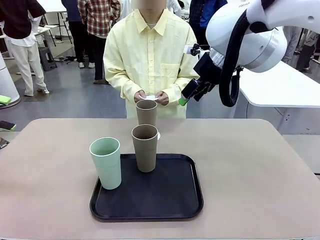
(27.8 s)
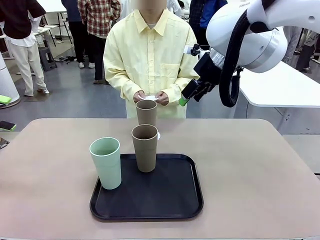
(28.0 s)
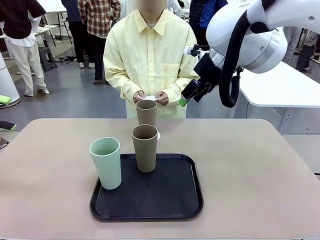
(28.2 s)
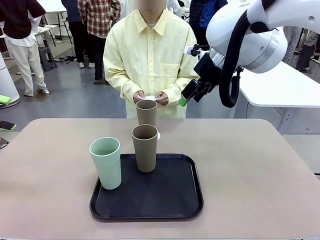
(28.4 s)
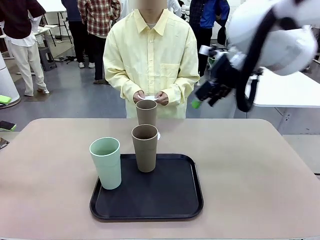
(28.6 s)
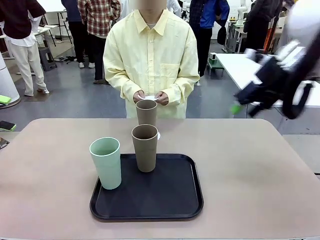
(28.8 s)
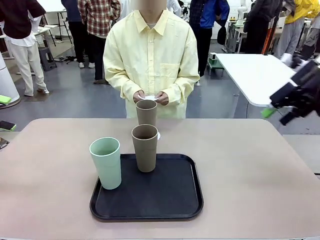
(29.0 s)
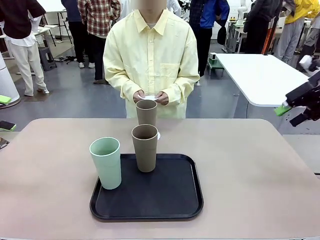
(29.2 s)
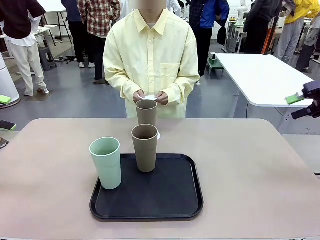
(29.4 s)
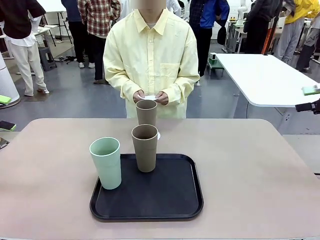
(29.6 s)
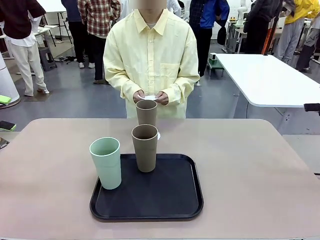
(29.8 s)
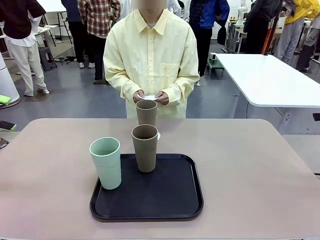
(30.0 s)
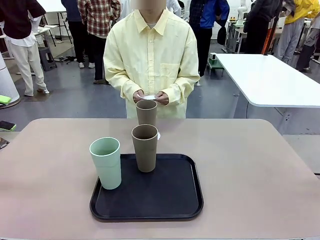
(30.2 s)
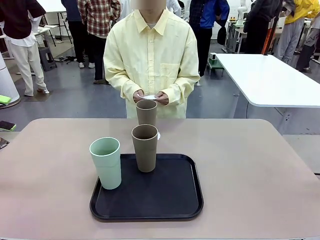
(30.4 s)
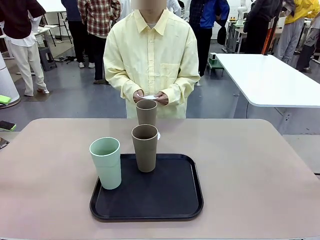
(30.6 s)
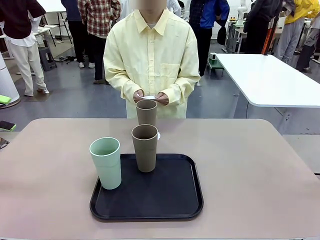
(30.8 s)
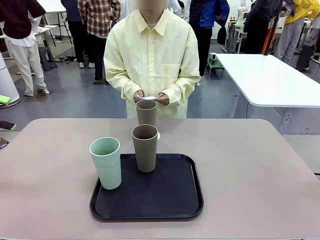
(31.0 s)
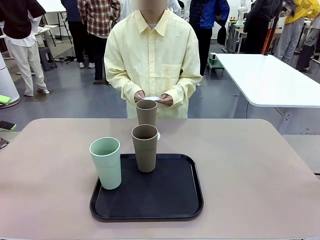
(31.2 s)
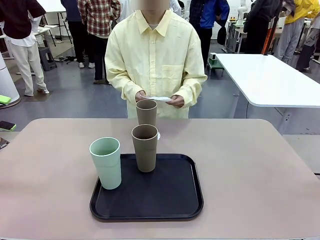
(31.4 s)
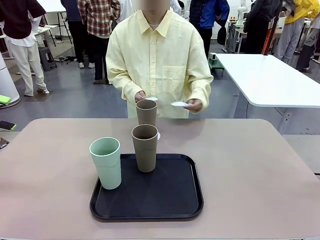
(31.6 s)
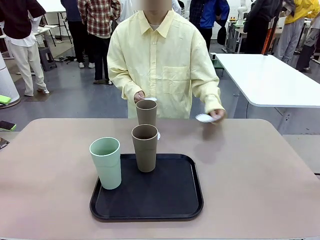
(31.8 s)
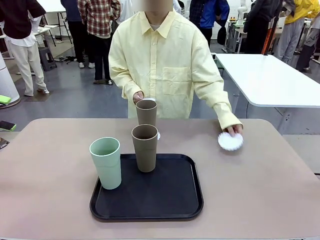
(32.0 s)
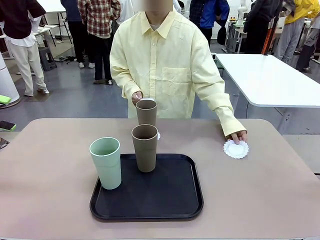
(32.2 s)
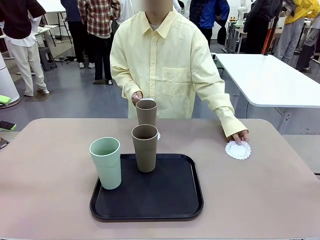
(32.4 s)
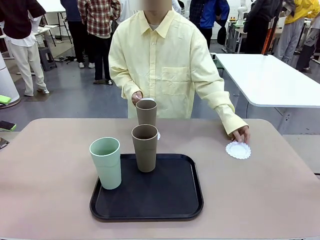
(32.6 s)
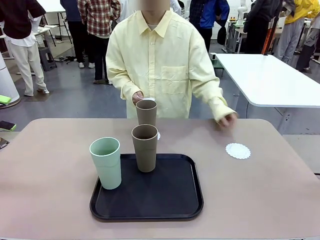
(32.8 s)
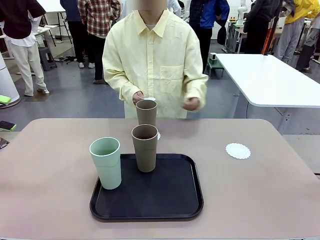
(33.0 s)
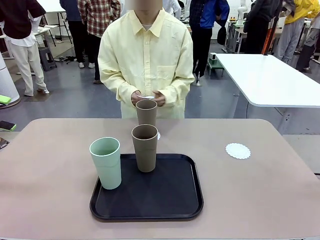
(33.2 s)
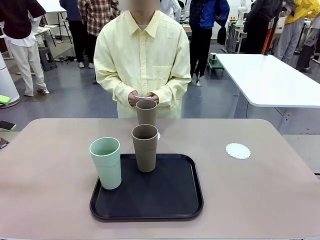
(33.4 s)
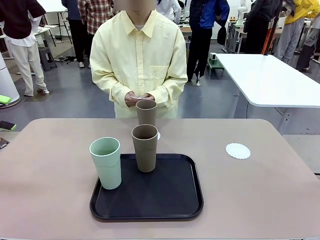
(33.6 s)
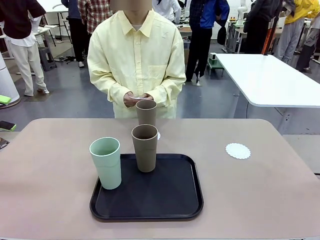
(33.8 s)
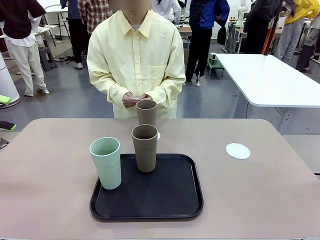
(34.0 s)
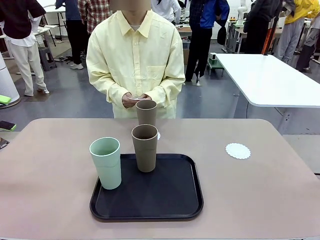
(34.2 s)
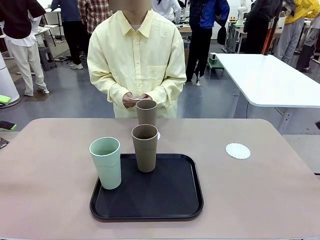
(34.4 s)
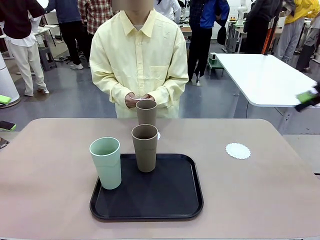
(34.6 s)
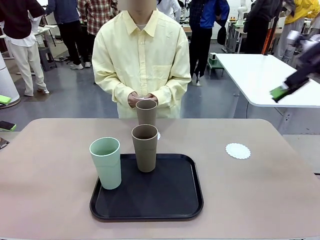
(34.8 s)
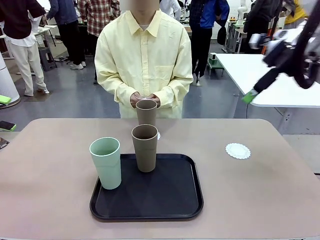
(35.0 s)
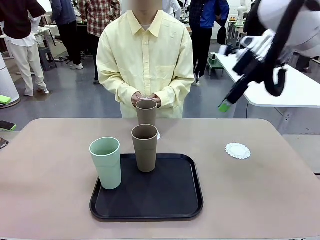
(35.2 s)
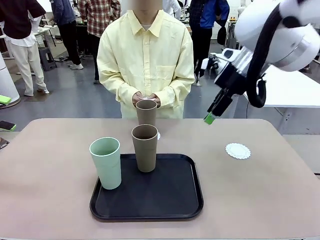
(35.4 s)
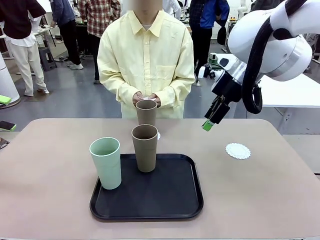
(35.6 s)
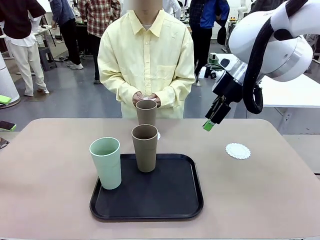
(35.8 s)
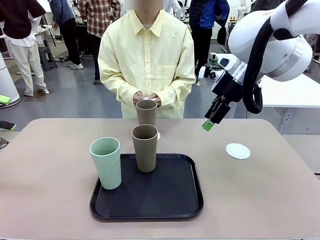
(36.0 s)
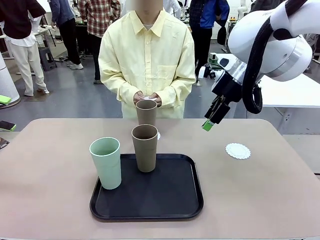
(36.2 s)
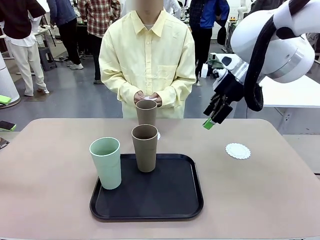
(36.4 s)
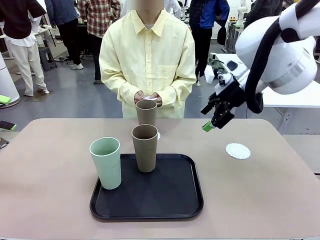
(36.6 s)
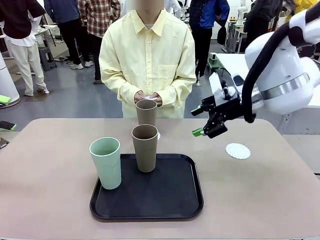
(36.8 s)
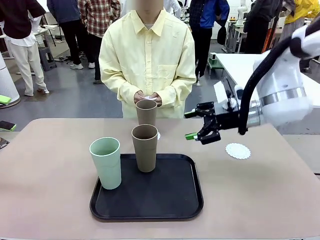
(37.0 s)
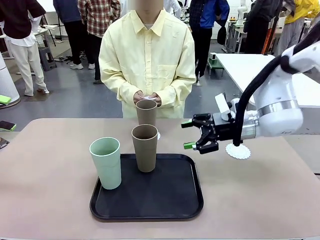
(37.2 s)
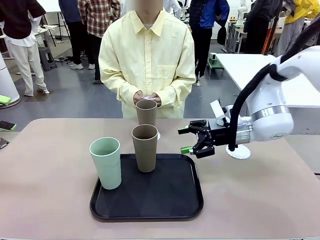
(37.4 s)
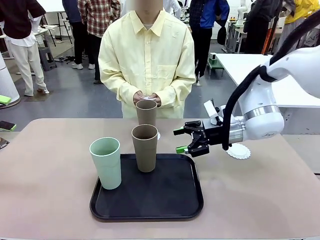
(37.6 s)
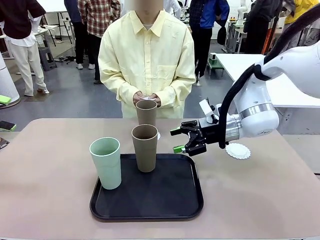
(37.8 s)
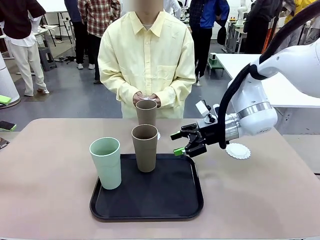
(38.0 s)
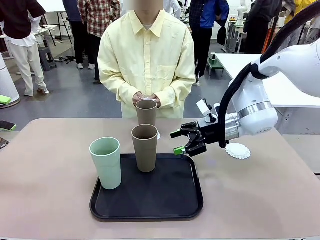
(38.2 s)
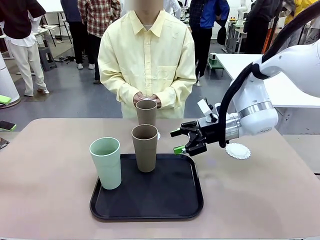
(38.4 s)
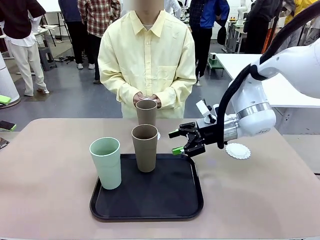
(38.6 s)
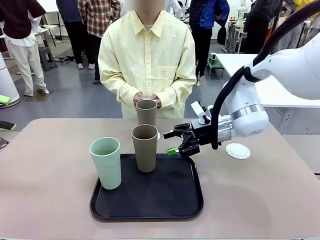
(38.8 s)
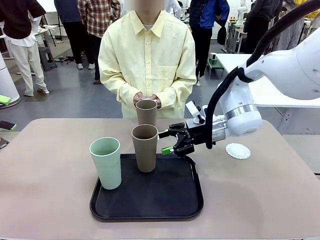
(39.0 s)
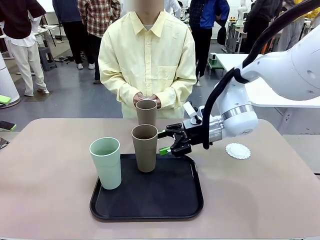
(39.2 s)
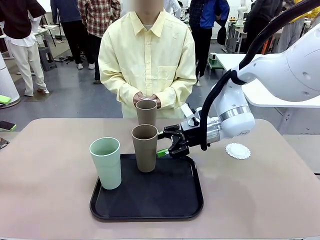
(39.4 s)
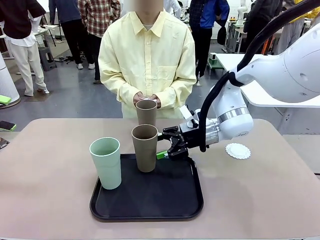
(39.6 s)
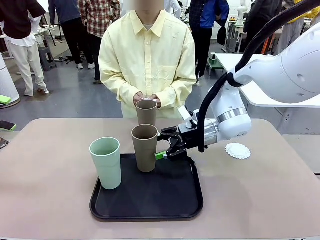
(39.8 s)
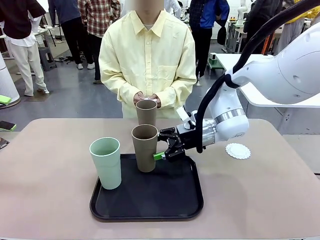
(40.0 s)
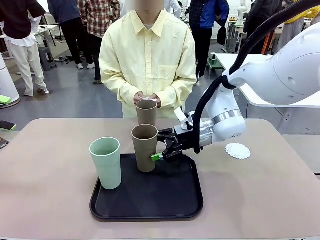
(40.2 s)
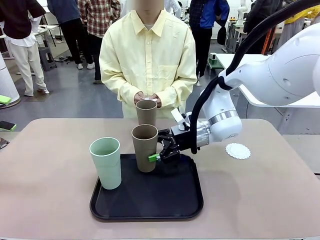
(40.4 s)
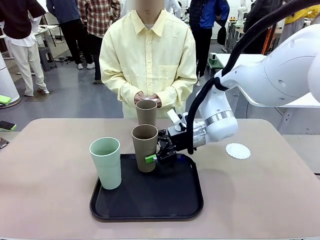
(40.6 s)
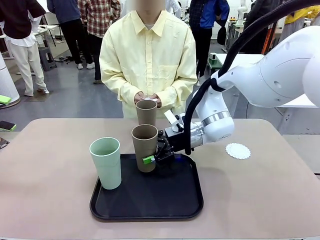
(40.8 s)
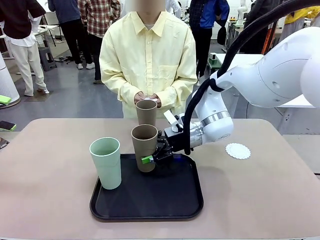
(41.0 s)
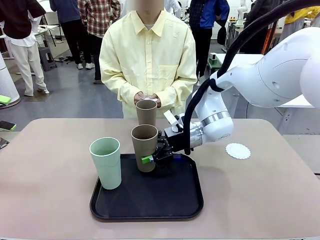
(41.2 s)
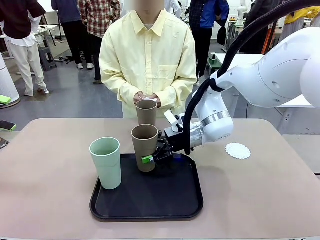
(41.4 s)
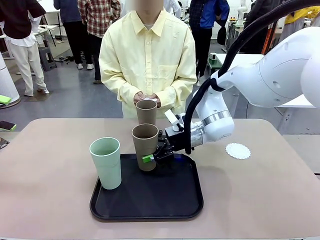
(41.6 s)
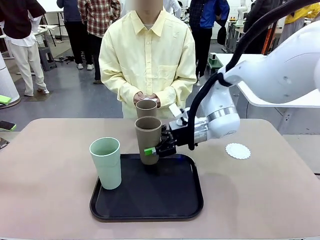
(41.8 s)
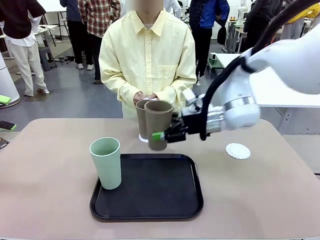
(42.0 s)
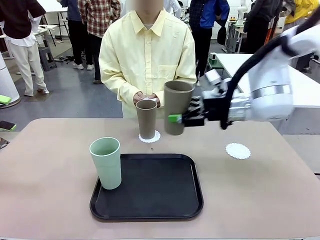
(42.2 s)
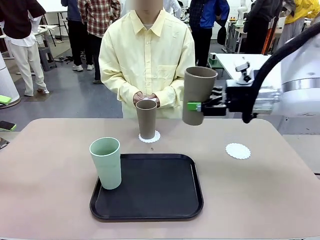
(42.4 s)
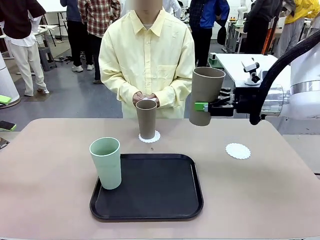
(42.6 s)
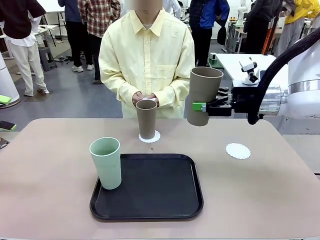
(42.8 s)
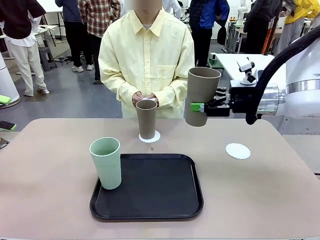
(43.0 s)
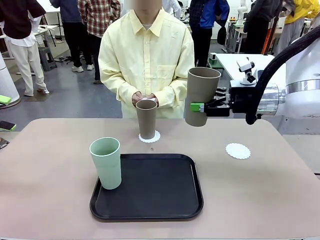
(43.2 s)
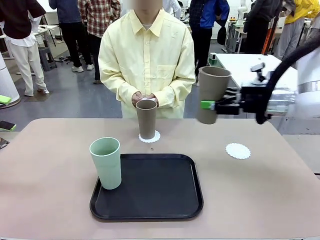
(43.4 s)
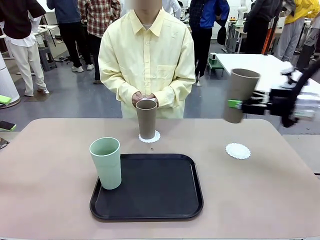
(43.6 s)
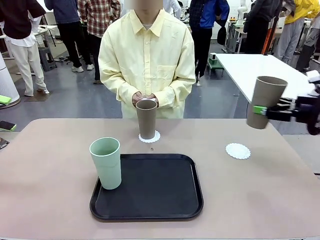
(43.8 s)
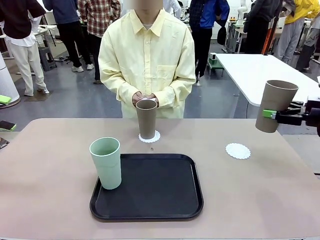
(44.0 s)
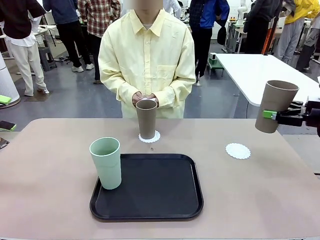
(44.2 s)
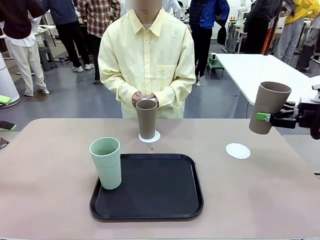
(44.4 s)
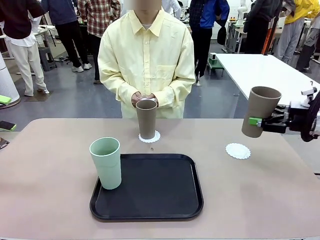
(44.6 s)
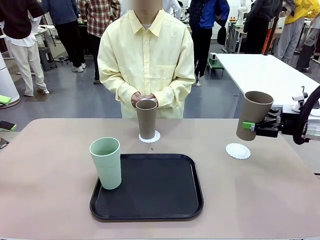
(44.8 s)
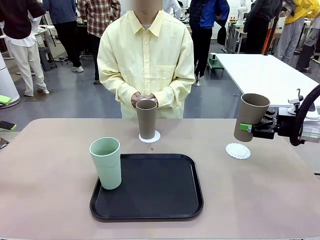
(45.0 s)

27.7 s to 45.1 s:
Task: Place coasters on the table and set cups on them.
Robot: Take one Reusable plastic cup from the Flat Tray and place it on a coaster set by the human.
